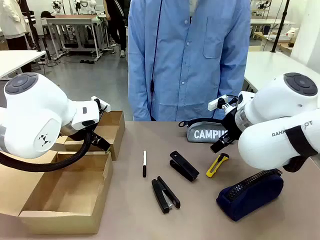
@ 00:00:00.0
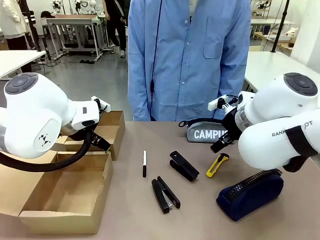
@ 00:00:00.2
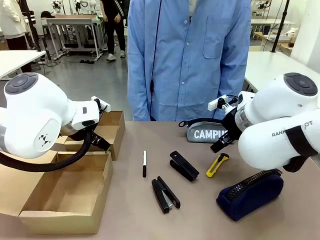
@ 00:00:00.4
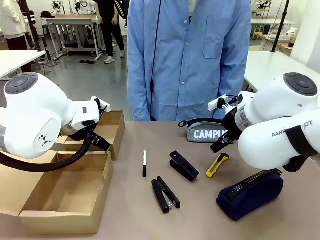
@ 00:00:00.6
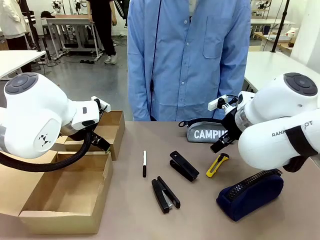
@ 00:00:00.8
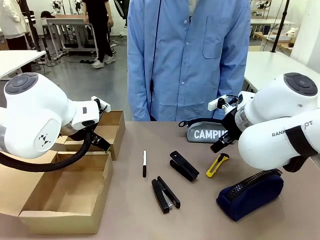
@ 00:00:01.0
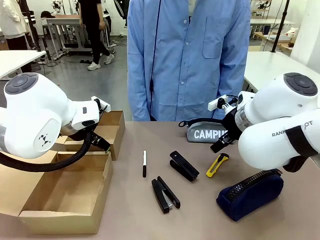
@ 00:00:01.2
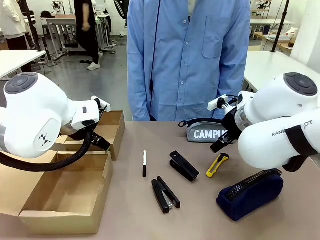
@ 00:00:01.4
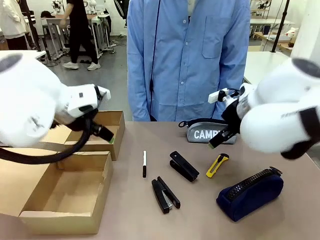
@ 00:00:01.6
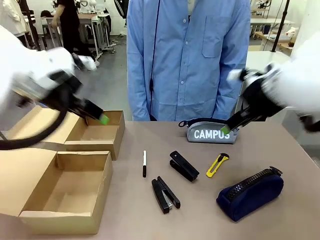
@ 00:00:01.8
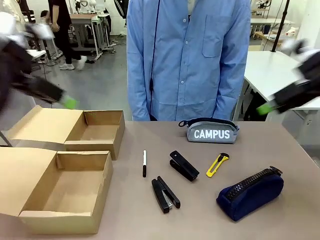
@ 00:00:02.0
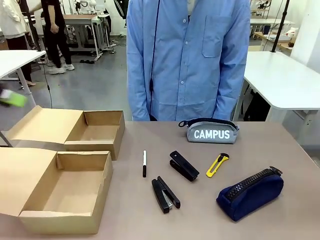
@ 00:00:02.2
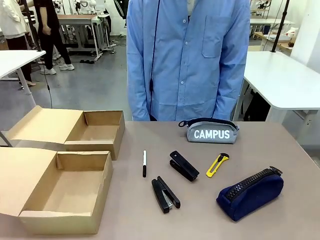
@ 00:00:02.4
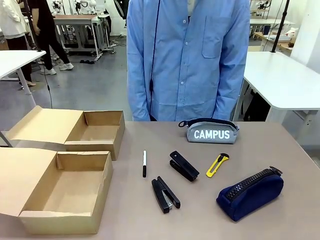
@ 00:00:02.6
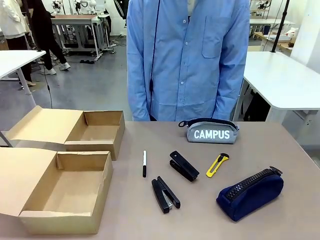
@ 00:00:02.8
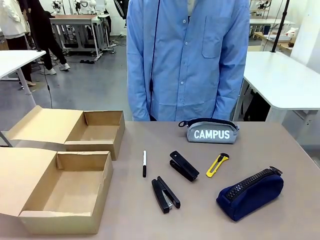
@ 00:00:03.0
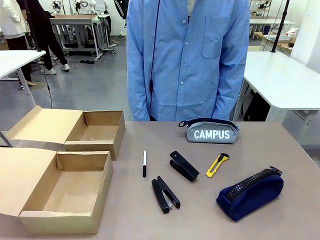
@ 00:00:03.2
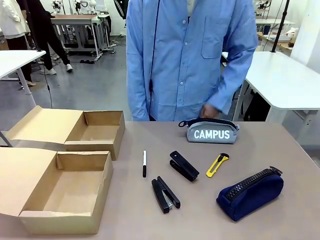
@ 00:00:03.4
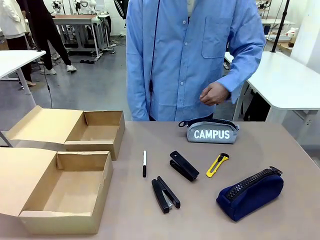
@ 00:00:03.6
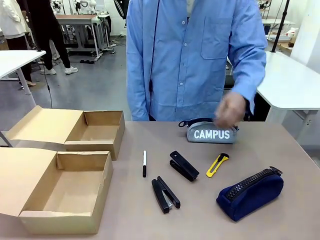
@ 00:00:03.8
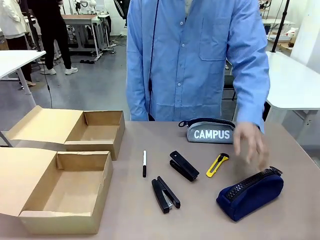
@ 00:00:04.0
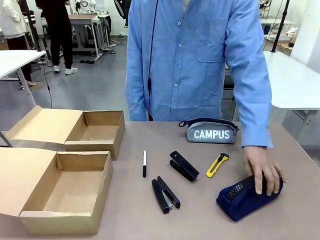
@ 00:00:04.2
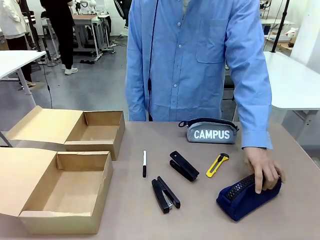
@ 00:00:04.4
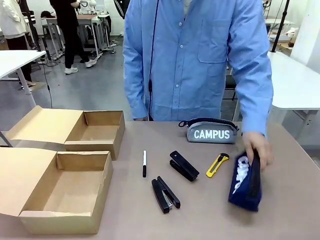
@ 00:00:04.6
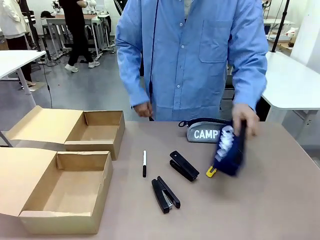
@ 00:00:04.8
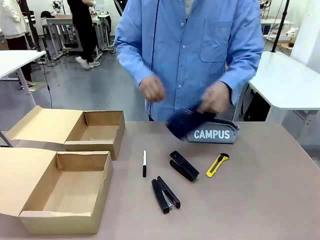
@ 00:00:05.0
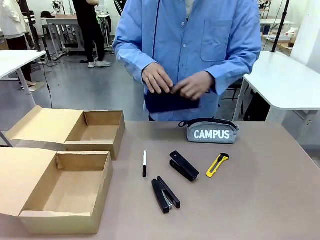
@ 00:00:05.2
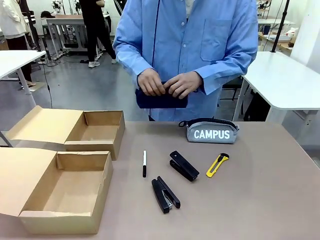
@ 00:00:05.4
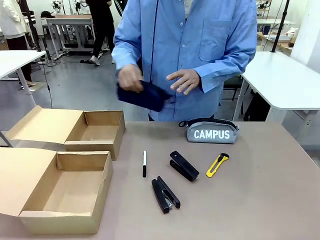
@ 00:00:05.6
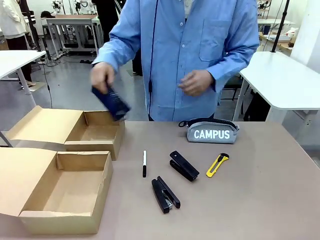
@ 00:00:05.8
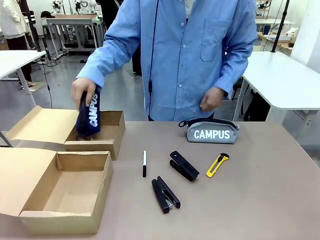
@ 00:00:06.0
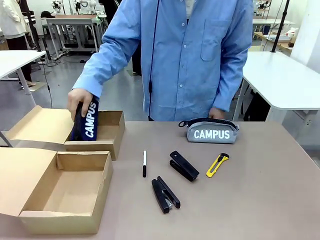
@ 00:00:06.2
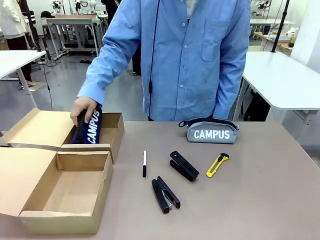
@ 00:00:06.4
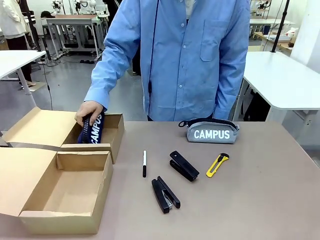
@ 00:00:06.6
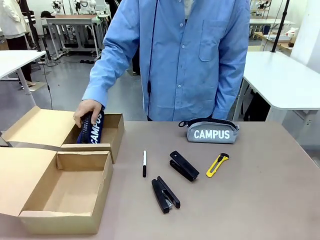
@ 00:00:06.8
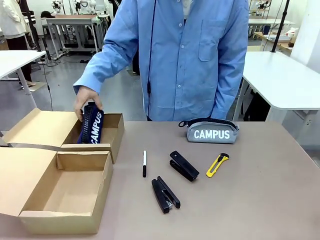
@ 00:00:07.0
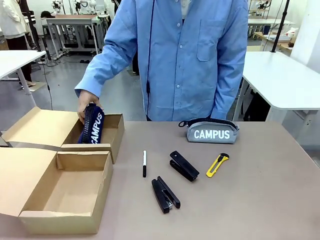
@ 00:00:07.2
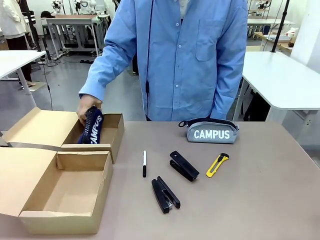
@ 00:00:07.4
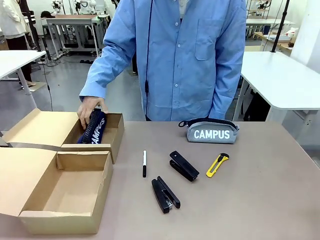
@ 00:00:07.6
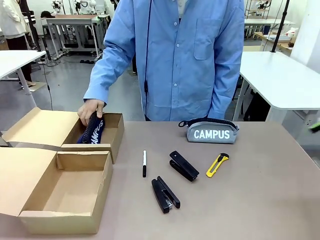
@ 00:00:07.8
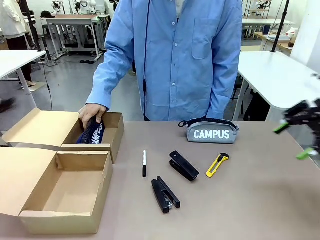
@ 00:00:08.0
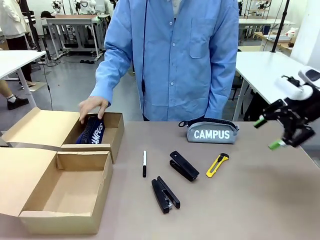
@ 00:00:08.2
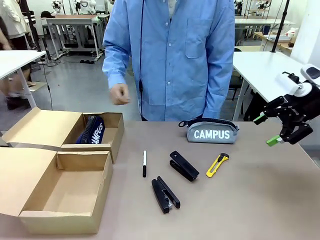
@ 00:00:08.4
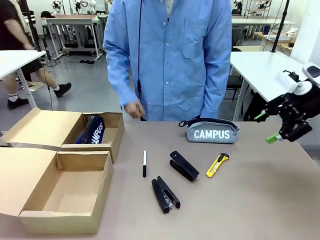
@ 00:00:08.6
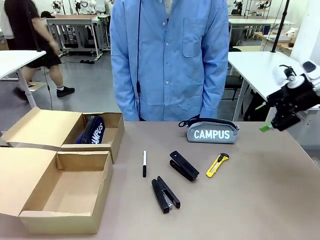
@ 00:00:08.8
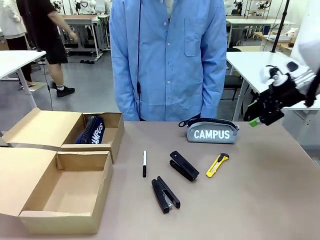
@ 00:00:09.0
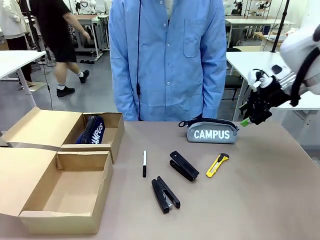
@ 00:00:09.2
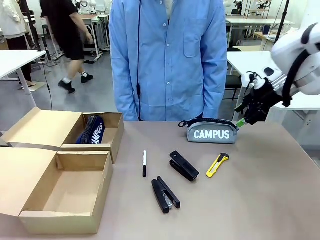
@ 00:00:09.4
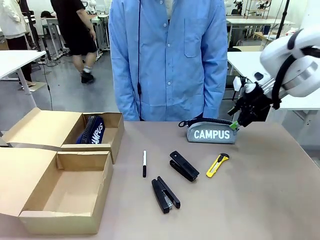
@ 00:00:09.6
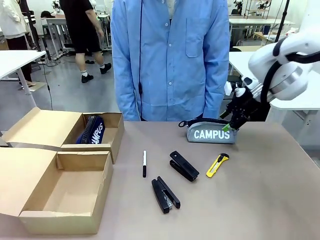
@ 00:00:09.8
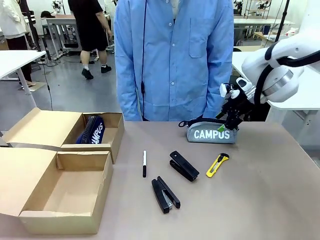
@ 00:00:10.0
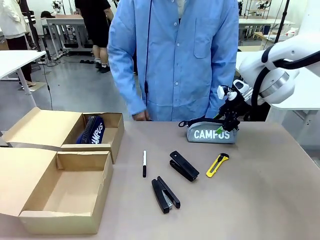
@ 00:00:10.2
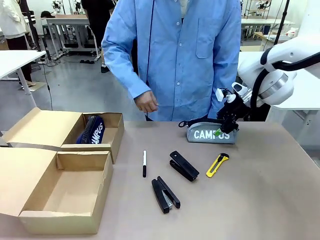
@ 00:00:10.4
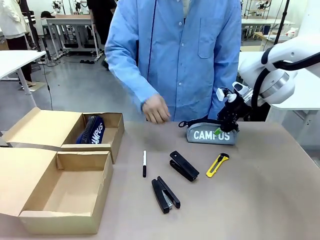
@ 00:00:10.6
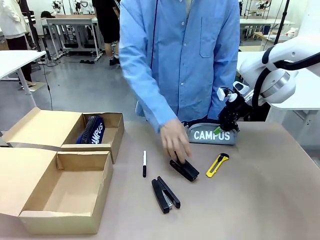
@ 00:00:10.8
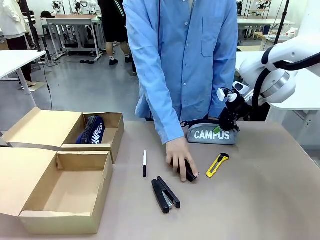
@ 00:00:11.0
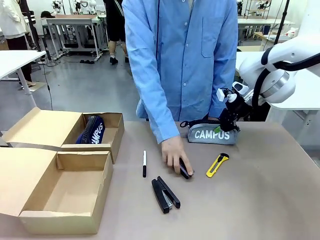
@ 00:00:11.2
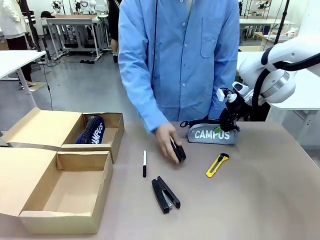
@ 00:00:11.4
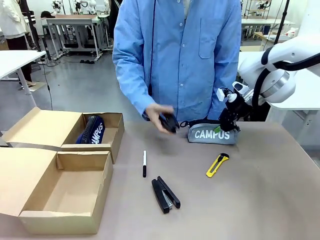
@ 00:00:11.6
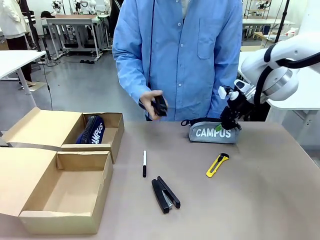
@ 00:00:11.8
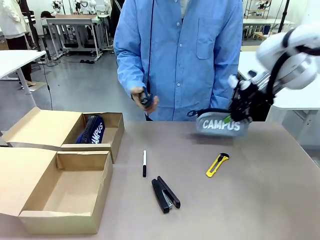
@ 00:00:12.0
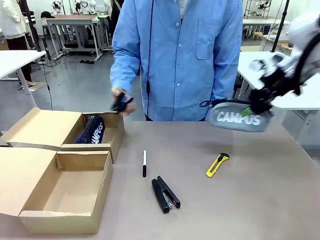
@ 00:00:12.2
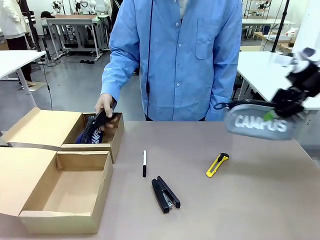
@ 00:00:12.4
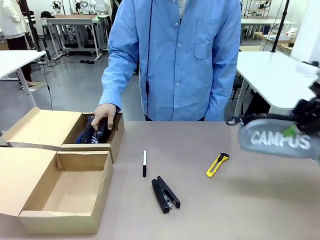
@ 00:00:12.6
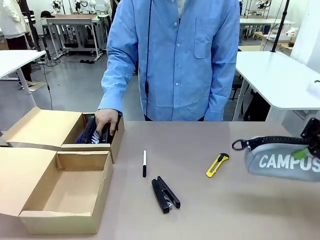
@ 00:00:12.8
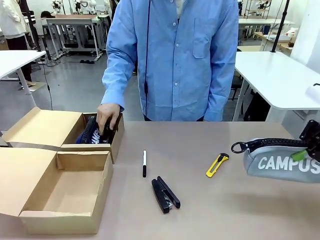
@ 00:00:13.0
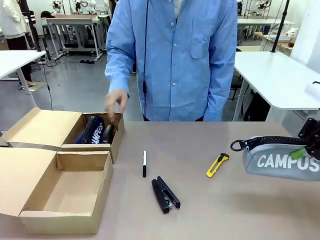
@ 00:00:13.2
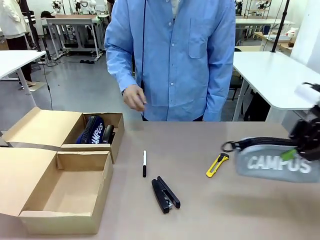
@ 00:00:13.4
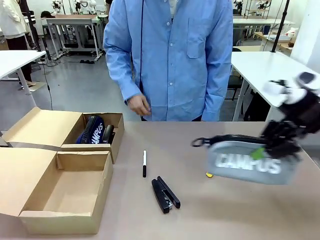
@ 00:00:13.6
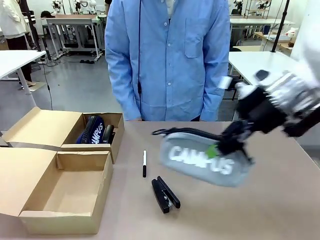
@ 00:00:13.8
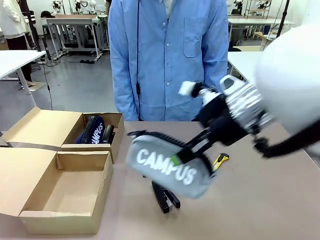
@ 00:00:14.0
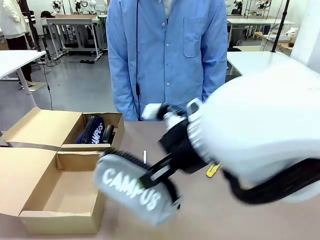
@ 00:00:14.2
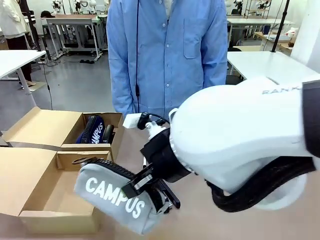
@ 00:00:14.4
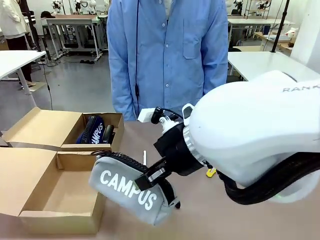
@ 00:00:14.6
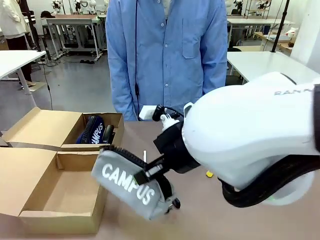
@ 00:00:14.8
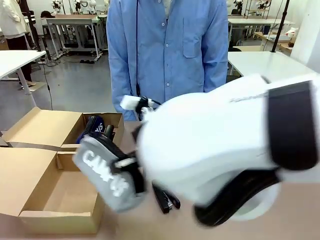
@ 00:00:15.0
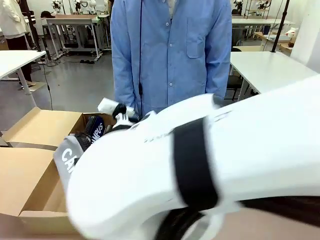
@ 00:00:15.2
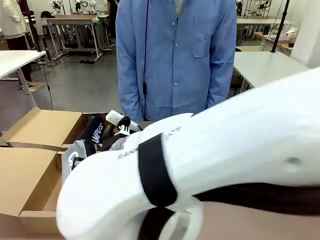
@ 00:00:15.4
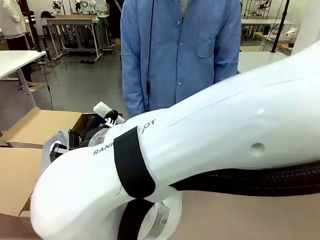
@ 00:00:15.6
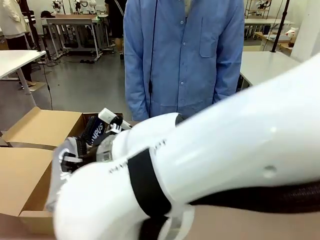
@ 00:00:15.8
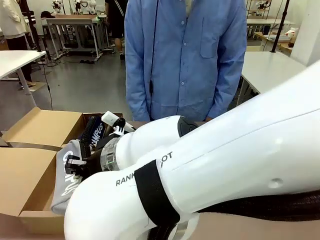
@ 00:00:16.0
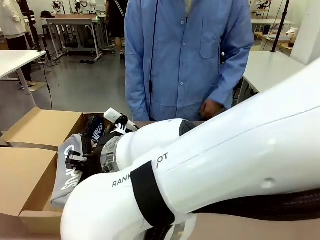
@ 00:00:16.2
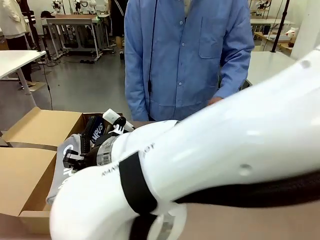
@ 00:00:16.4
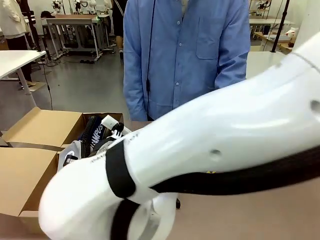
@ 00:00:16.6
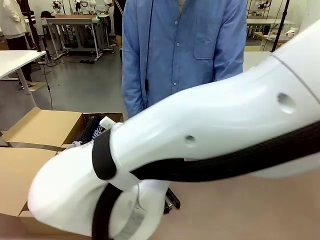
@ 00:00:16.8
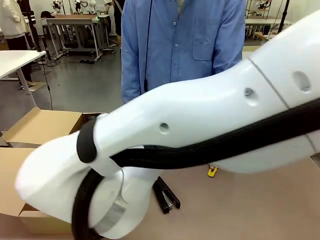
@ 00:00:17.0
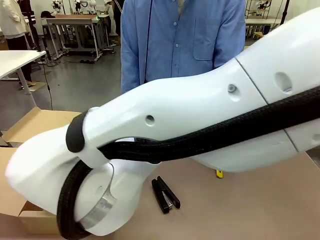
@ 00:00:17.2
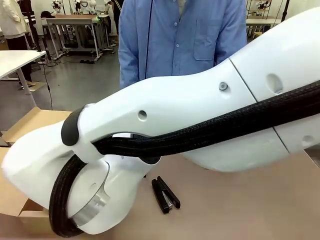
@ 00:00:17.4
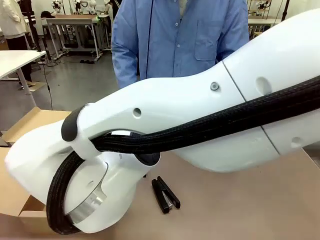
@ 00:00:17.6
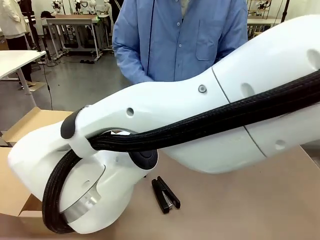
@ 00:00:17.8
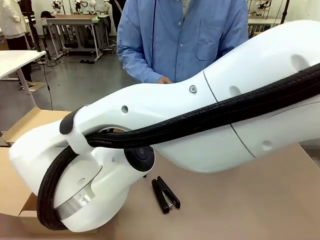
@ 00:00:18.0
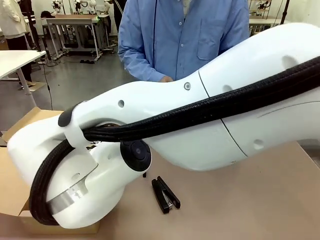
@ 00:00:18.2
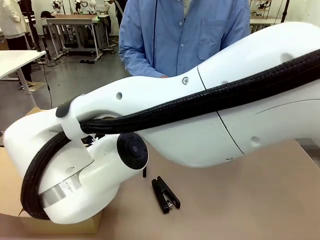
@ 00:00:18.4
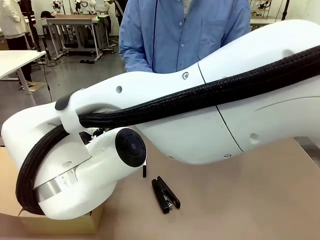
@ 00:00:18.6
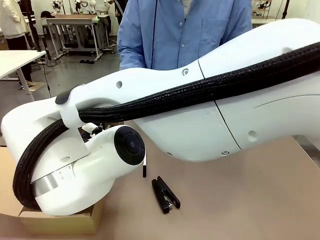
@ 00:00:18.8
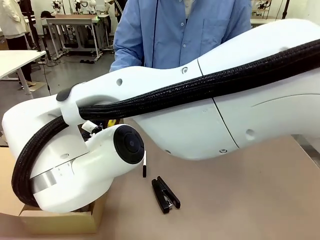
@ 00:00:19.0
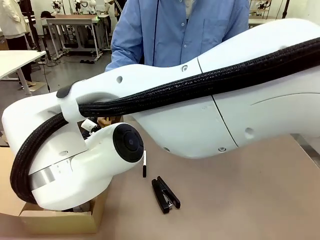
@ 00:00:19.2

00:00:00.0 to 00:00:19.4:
Task: Place items inside the box.
Robot: Pick up a Pencil pouch or Stapler and place it inside the Mailer Box closest to the robot.
Person: Pick up an object on the table and put it in the box.
